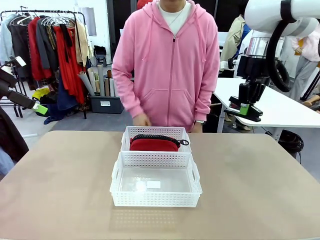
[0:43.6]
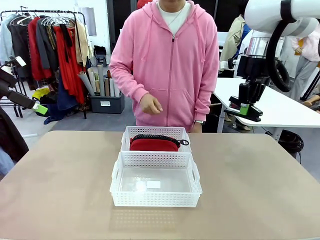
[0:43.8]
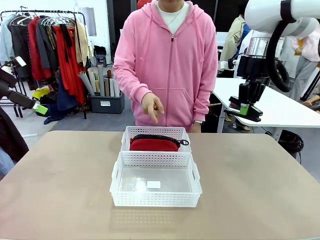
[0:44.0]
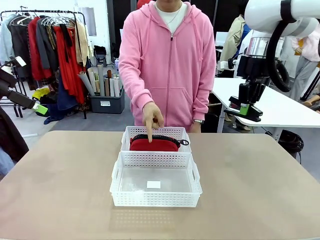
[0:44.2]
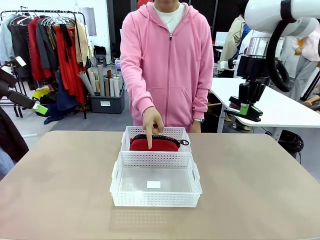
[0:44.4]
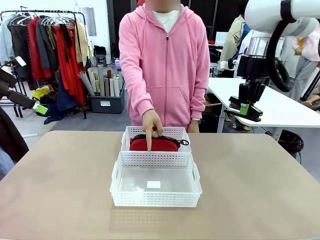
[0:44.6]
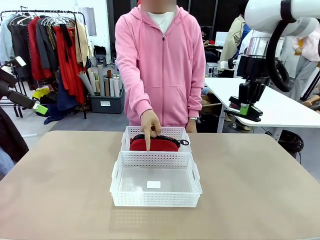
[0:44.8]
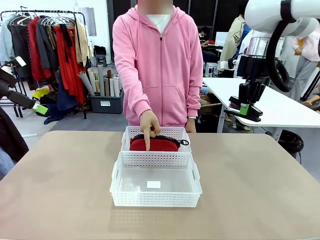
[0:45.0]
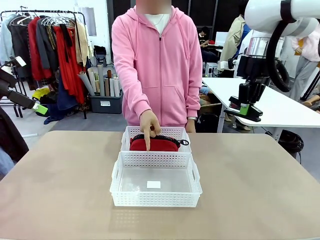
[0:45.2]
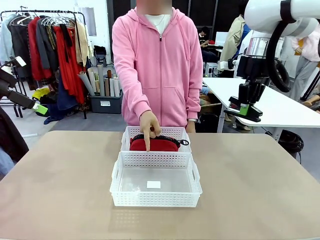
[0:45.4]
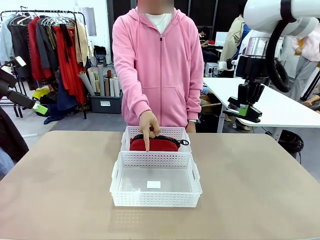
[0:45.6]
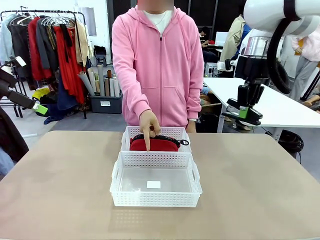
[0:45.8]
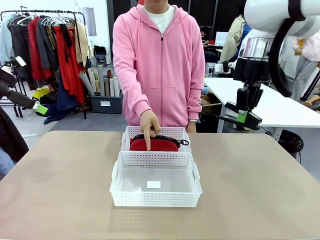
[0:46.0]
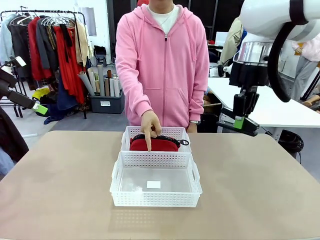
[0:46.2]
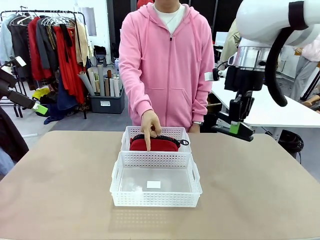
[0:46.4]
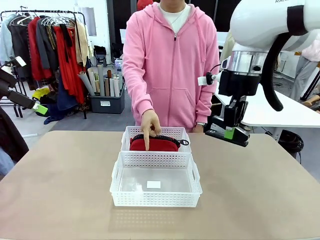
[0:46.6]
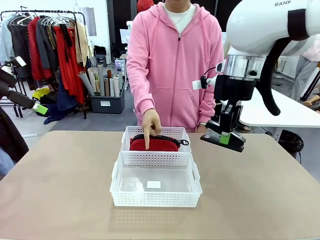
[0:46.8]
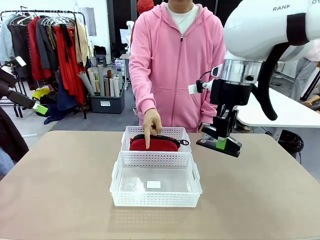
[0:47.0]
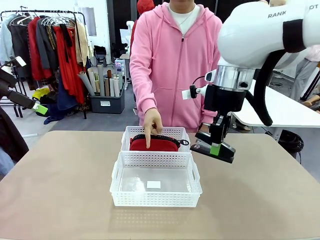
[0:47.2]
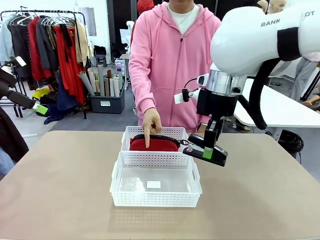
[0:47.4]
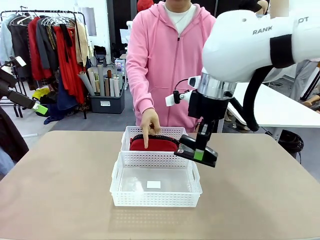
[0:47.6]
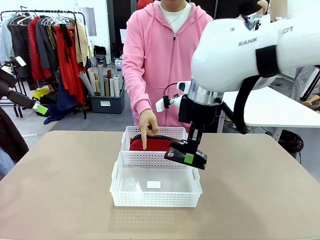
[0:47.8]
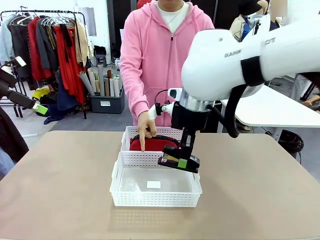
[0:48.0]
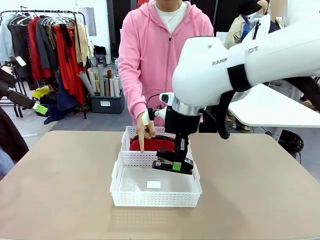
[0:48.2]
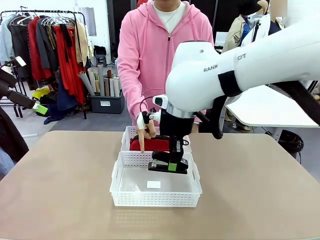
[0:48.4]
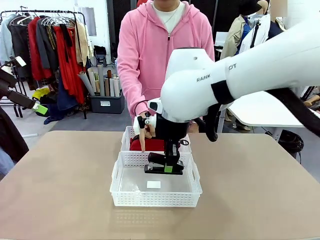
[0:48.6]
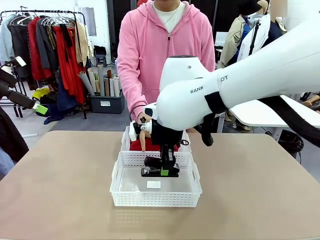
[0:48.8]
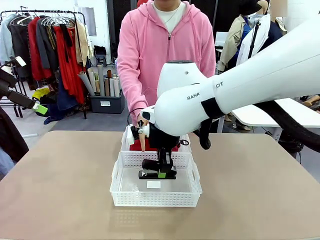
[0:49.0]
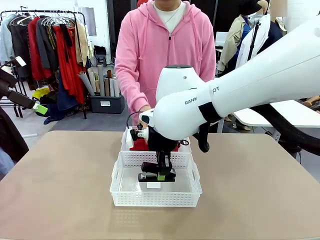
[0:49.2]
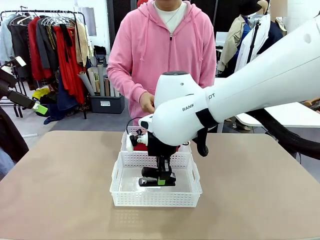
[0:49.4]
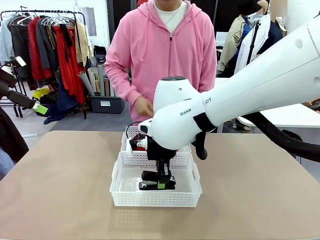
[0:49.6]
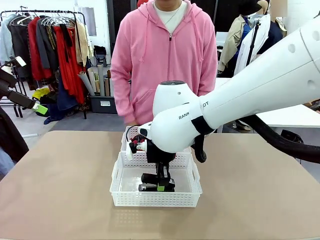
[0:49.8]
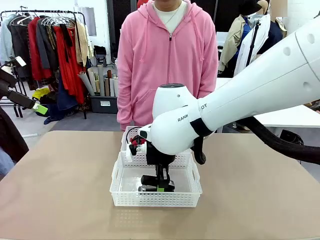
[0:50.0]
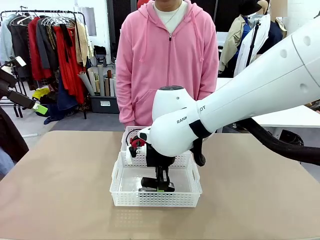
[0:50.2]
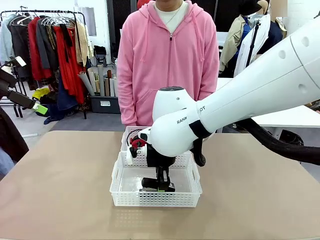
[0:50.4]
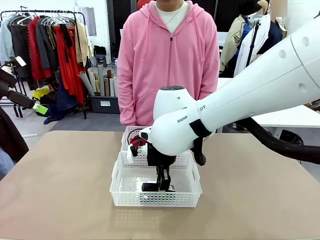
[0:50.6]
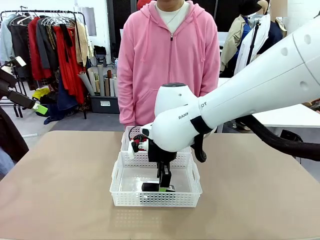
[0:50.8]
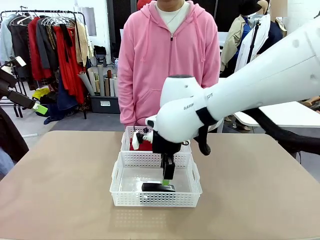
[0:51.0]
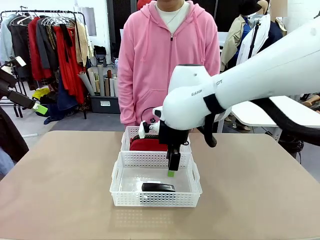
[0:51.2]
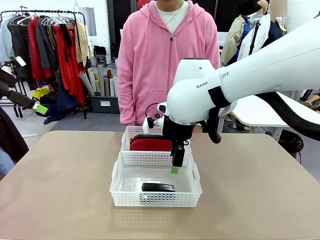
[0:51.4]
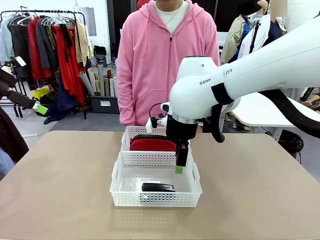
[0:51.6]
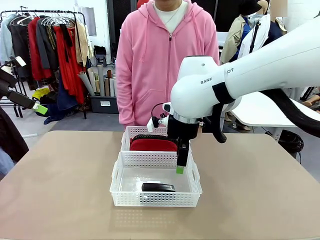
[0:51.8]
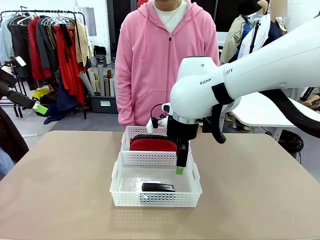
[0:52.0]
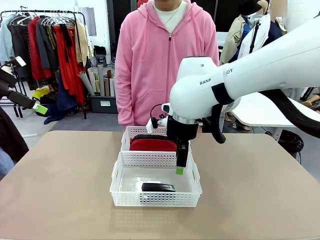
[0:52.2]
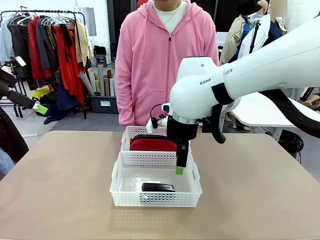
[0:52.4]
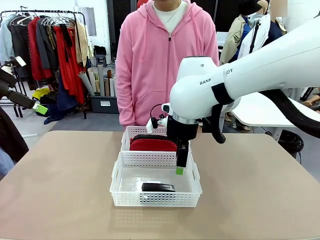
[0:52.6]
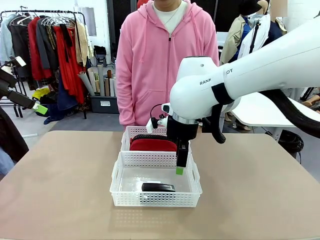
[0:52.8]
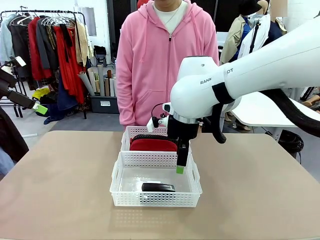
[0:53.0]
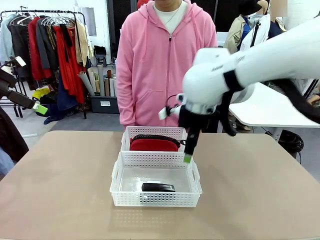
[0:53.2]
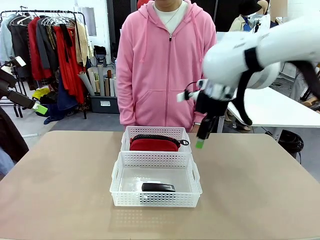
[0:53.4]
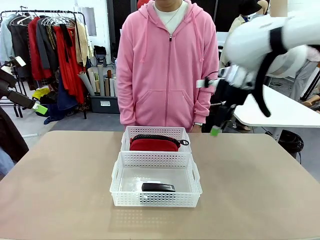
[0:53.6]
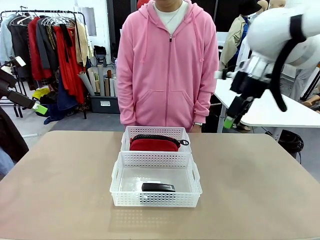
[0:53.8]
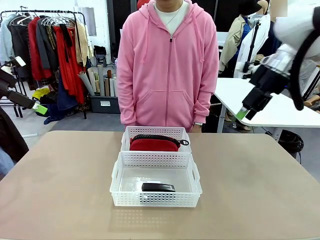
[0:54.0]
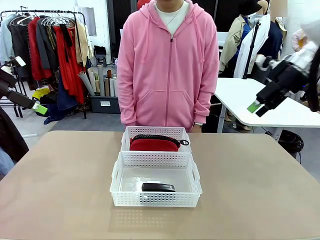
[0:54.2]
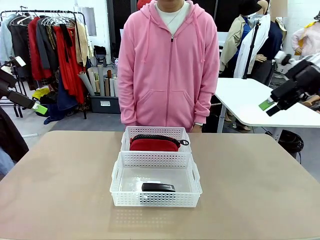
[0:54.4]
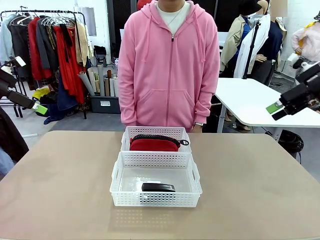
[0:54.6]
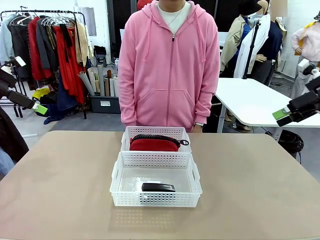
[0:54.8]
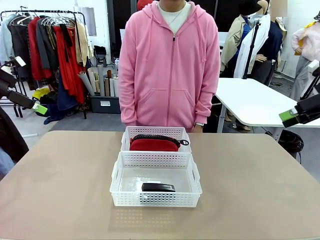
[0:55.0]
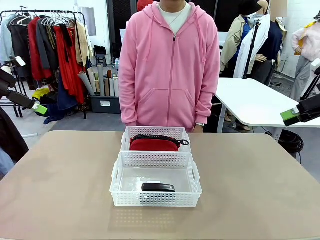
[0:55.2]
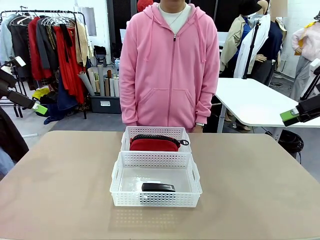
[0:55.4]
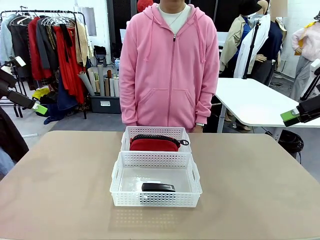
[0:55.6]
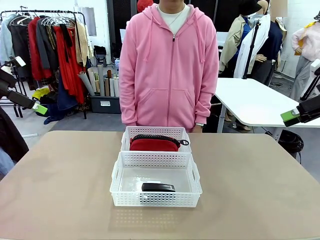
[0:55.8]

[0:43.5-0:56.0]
Task: Distribute items into two baskets.
Robot: Place the picked Stapler into the Organizing basket as instructed by the person.
Person: Points to the basket that does not contain the pencil case and instructs the robot to move the stapler there.
